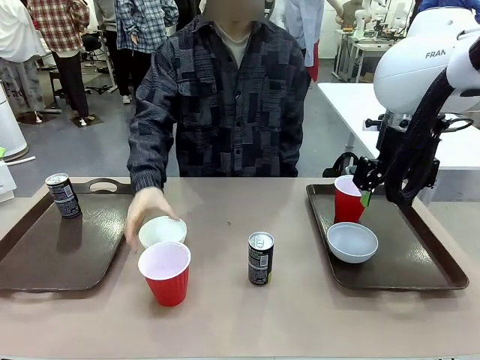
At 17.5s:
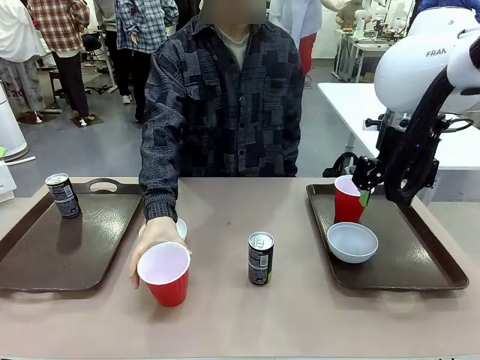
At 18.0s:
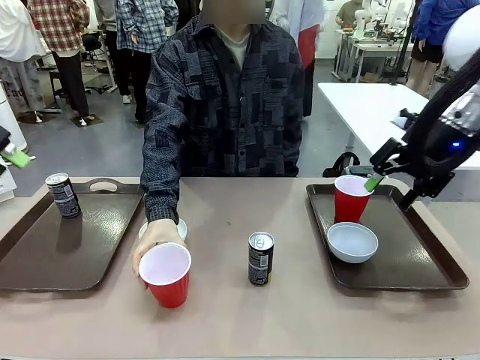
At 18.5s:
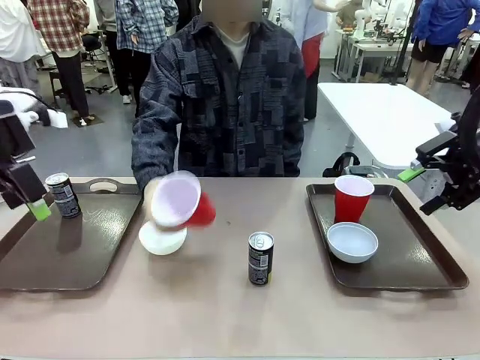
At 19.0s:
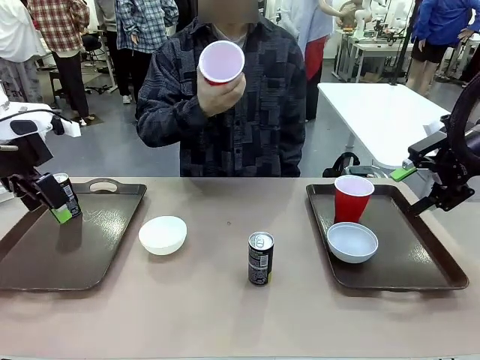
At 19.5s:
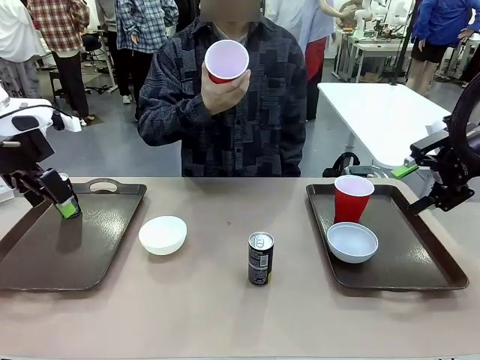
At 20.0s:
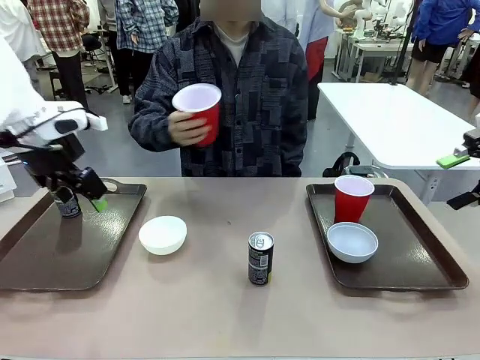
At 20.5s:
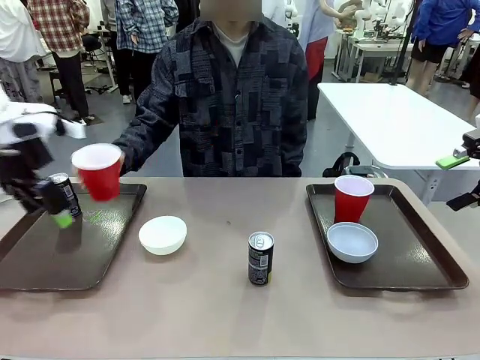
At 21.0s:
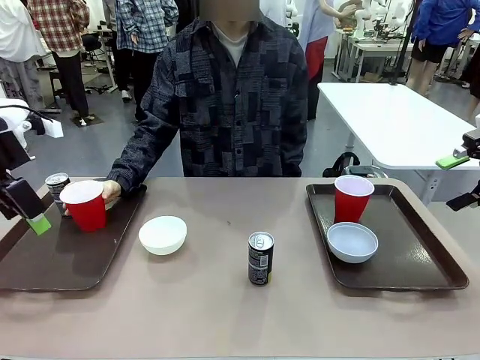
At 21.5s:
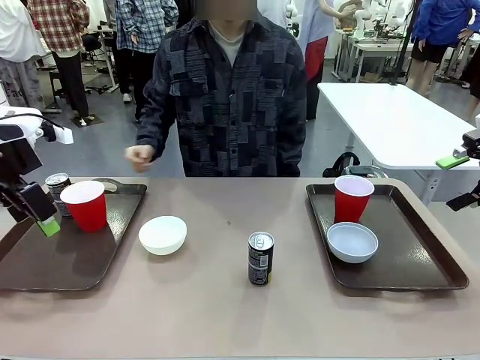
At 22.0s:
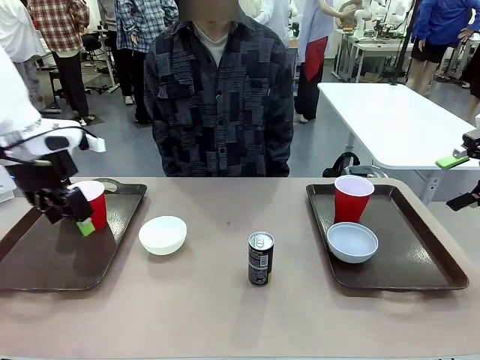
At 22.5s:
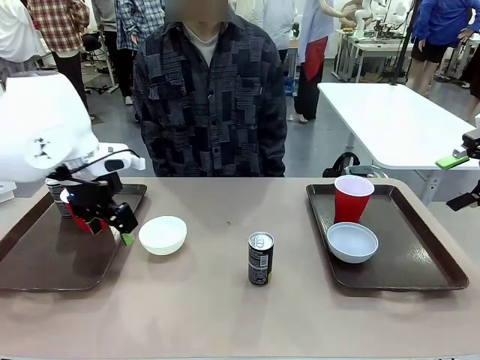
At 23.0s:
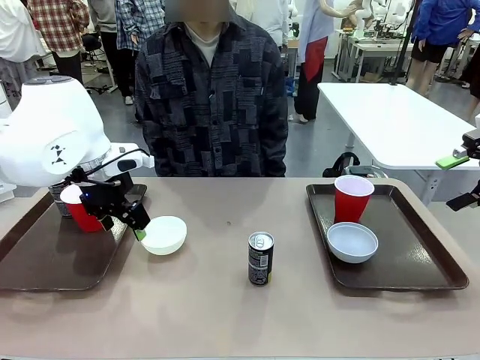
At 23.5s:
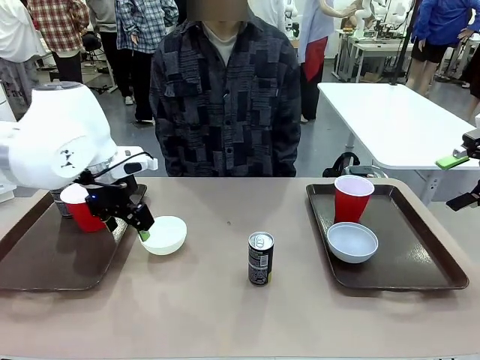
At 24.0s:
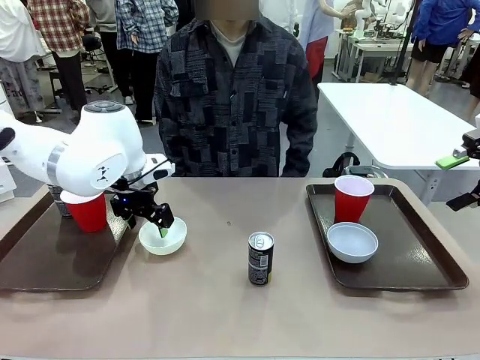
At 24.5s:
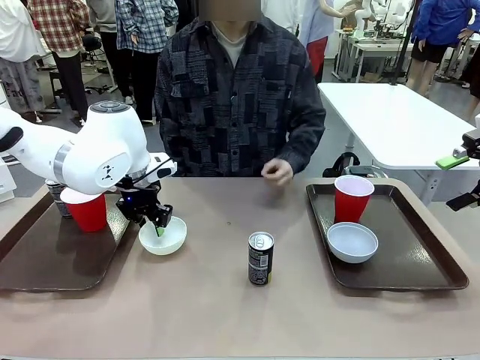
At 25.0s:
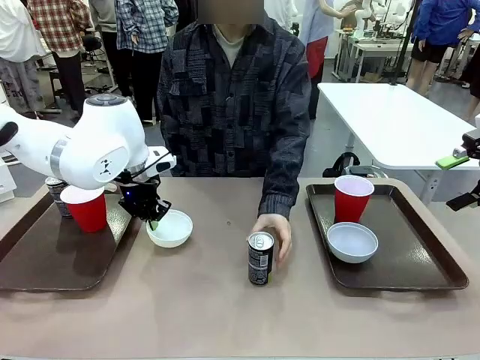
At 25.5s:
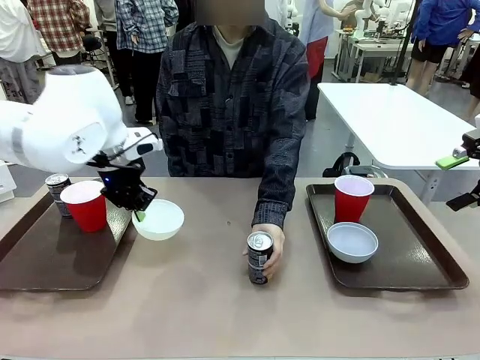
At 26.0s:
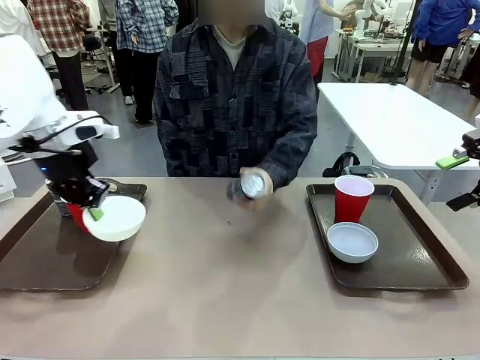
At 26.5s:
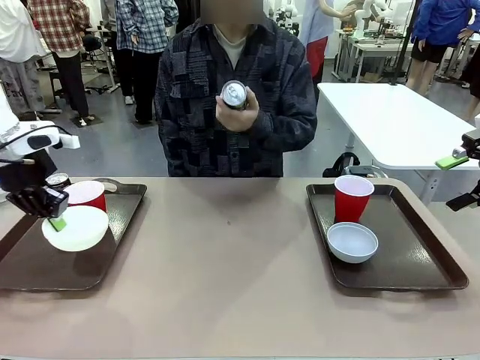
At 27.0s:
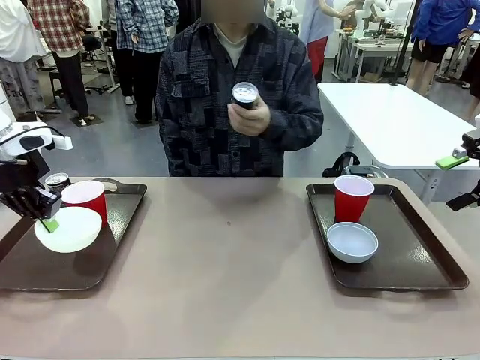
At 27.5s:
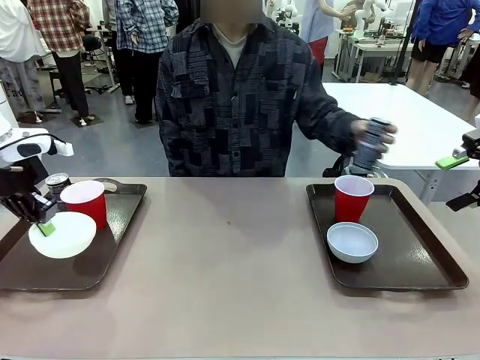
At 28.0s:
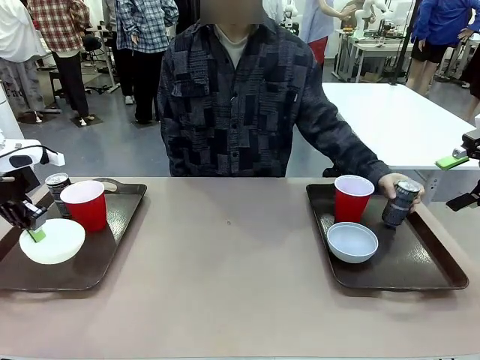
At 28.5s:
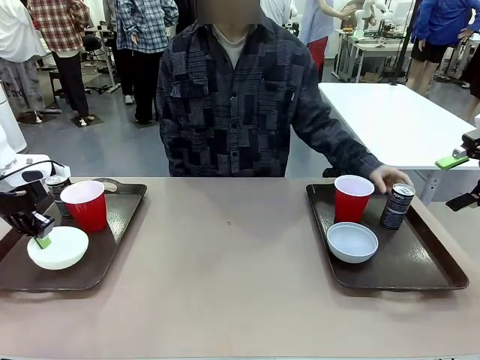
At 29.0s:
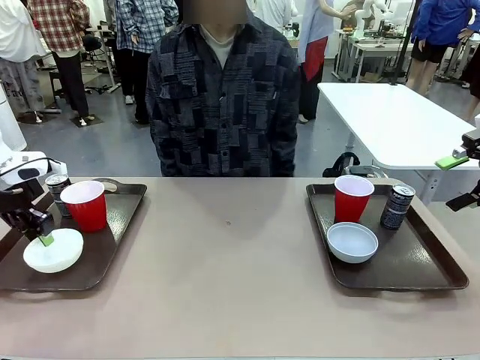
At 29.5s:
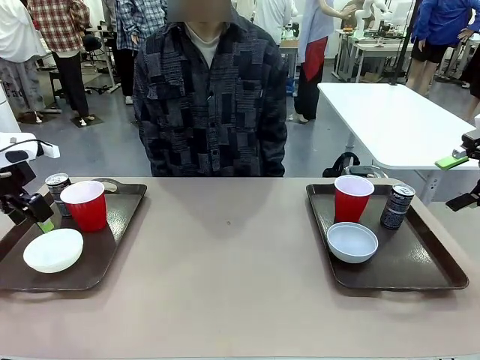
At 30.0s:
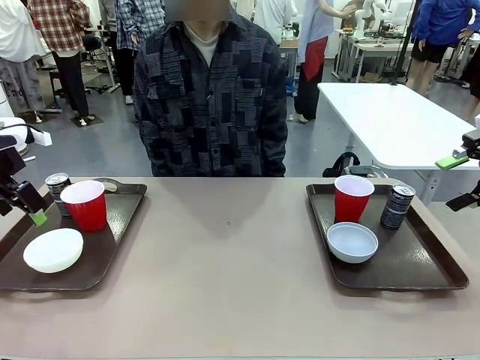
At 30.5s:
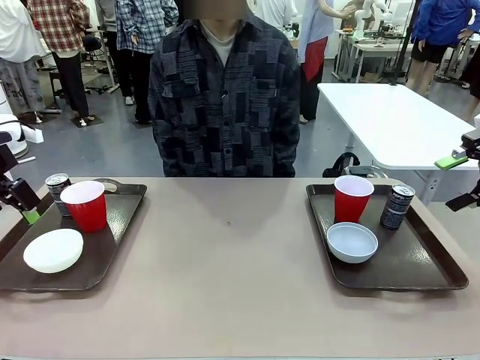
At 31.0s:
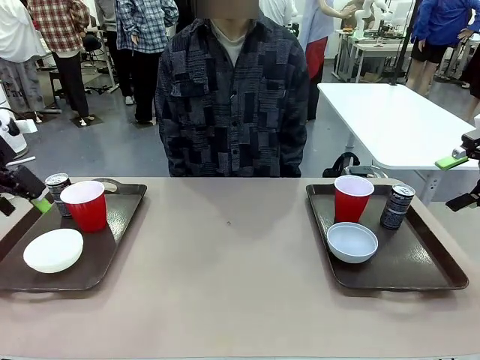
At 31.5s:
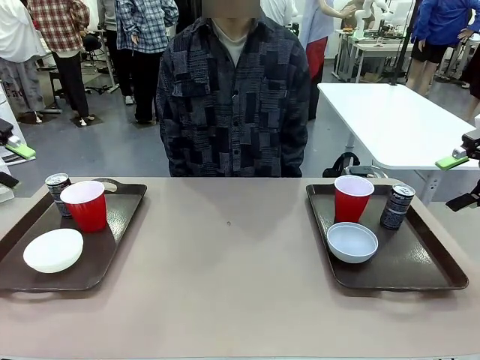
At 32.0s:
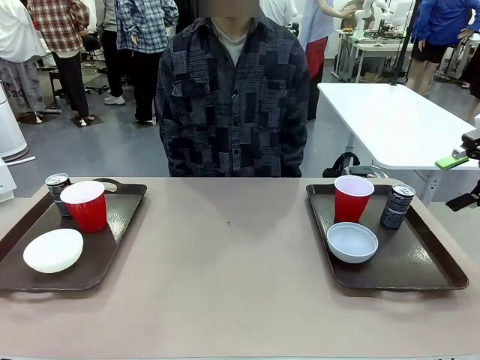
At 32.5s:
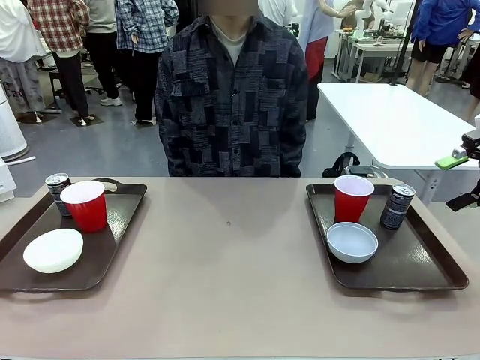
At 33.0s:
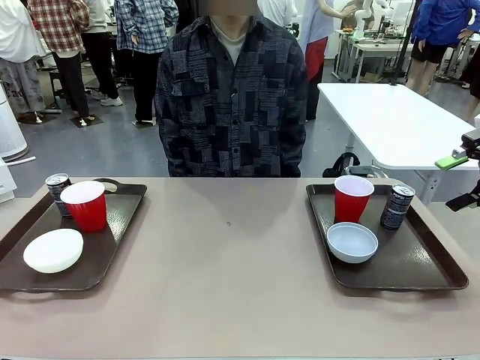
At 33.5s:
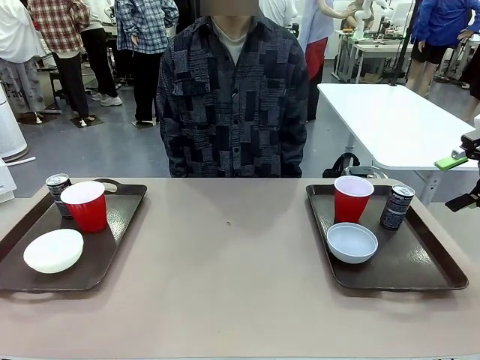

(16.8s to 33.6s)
Task: Prepare tableware on both trays.
Robot: Pick up a Picnic Bowl from the table and place it on a Handle tray.
Person: Pick up a can or cup and place it on the tray without a can or cup.

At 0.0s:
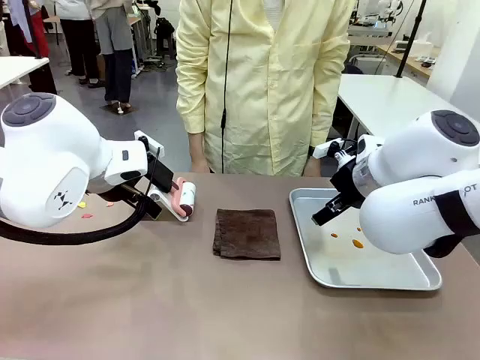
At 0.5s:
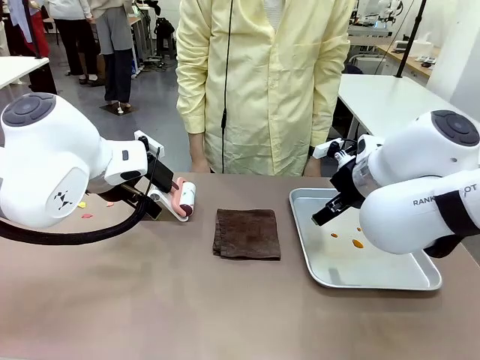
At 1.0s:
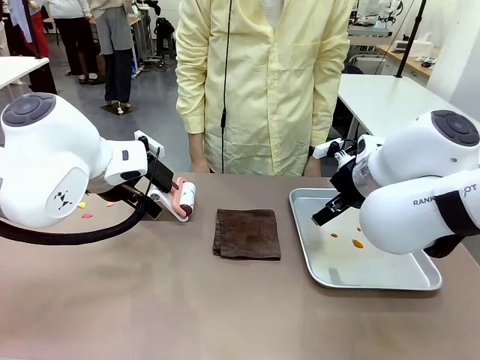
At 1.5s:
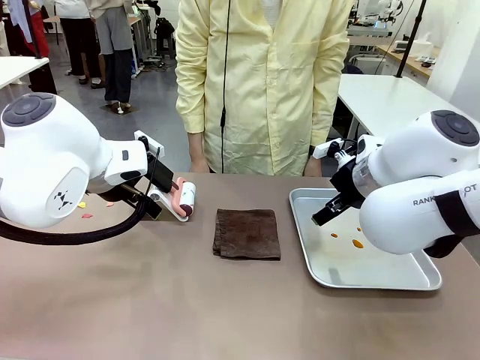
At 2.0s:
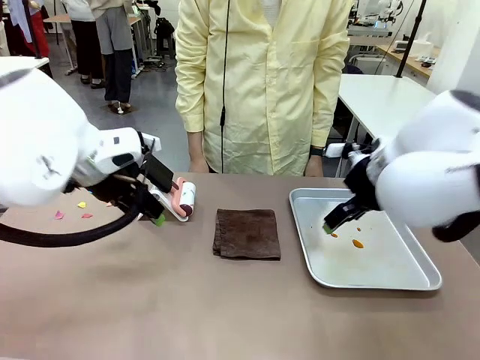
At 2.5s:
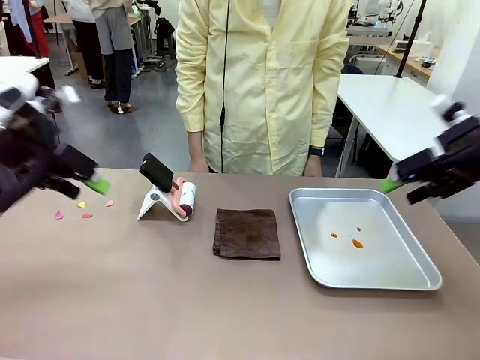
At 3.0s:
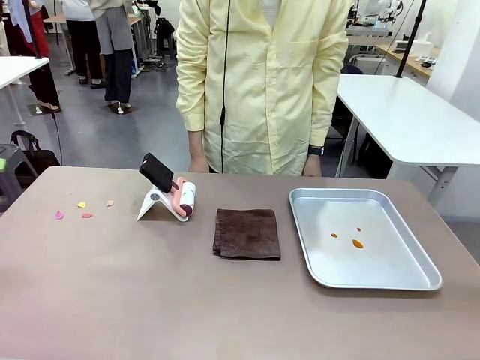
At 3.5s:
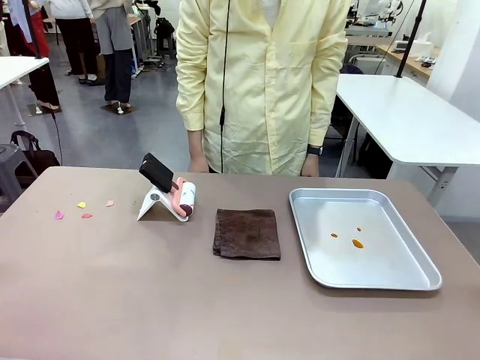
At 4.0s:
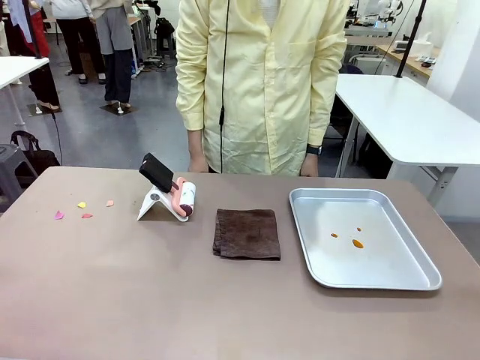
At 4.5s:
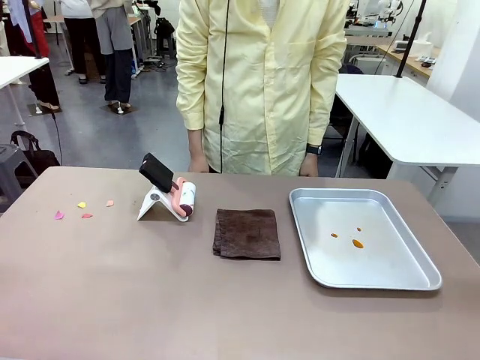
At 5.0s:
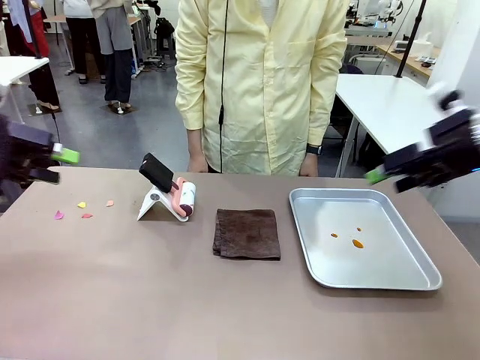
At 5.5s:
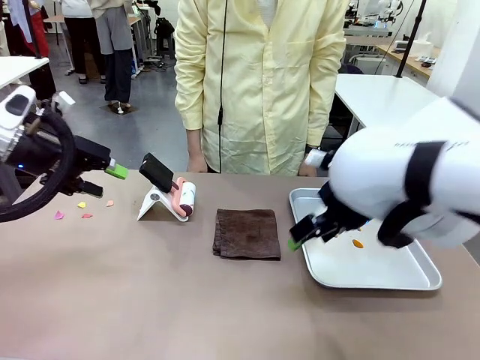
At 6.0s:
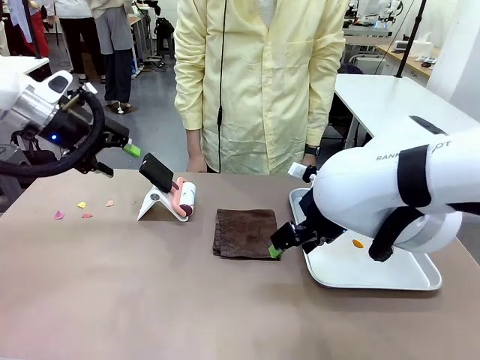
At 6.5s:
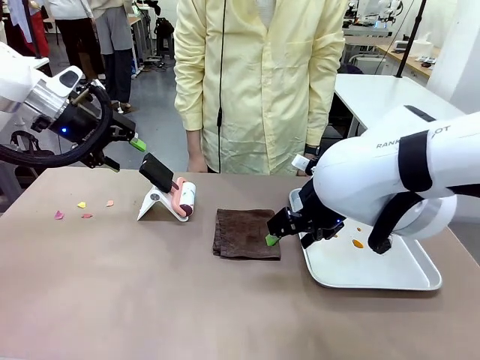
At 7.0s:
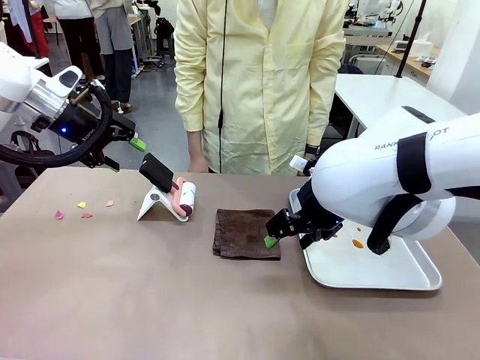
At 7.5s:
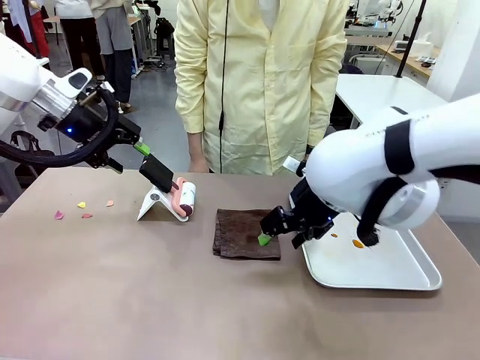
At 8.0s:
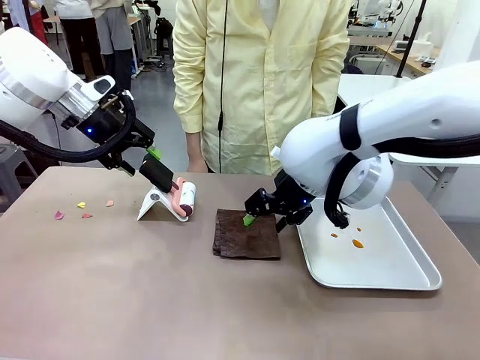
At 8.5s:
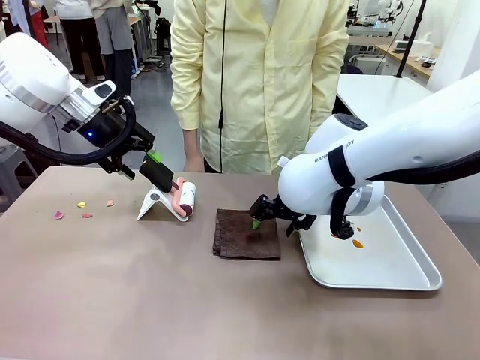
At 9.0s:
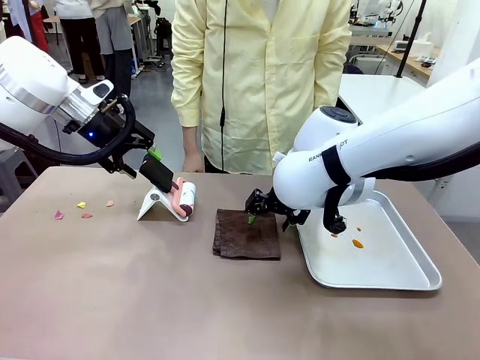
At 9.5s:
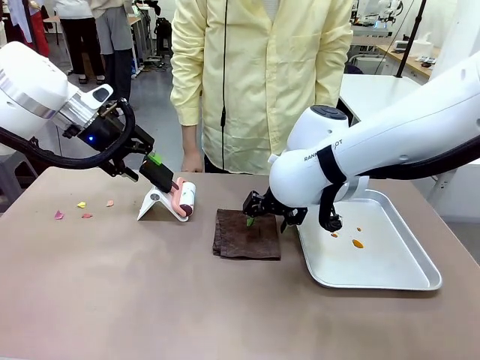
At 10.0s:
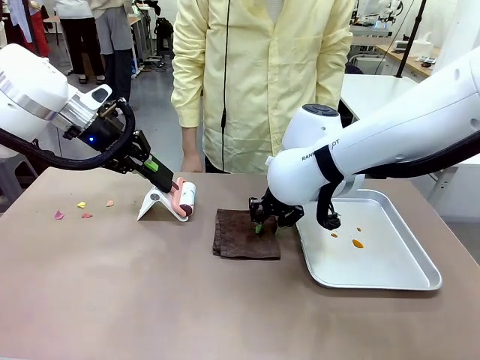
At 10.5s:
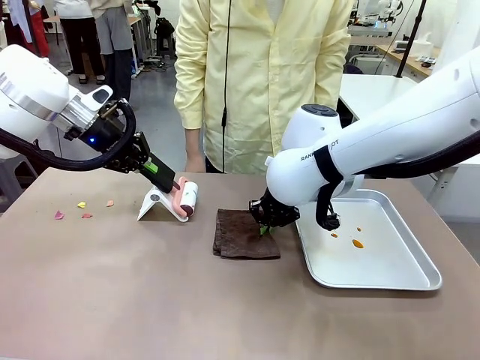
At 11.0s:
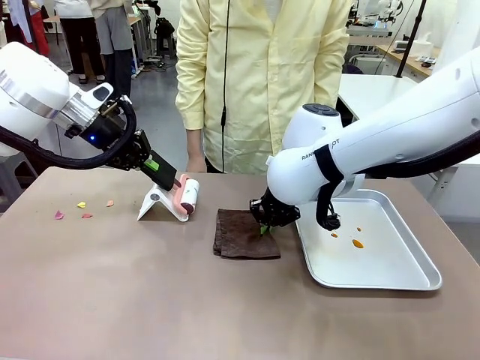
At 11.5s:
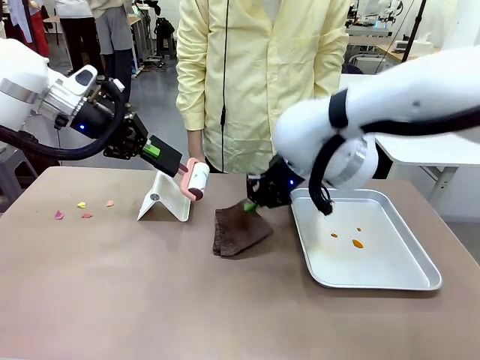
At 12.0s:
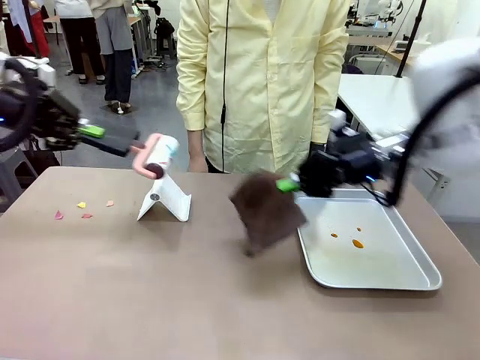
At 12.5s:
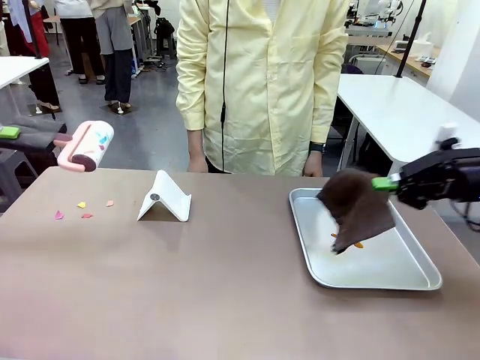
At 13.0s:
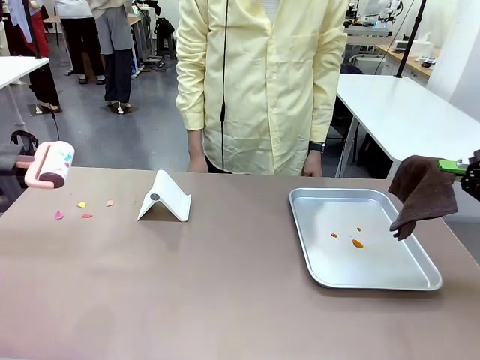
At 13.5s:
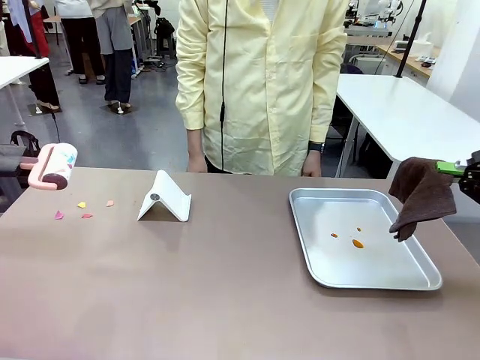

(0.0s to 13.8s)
Task: Clean the surface of the table.
Robot: Hold the Lint Roller with your left hand and the towel with your right hand.
